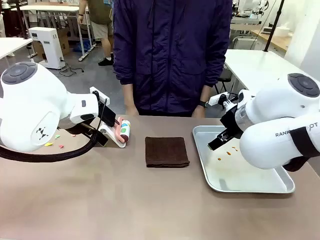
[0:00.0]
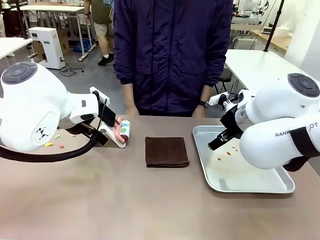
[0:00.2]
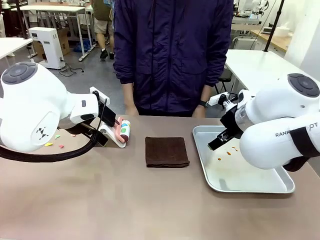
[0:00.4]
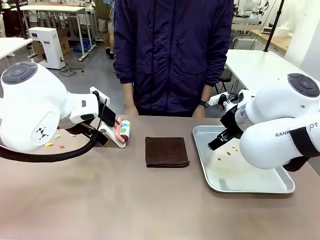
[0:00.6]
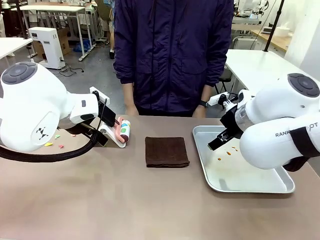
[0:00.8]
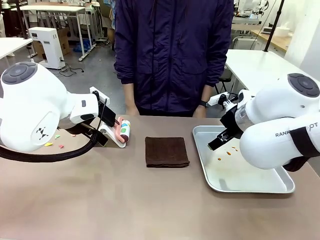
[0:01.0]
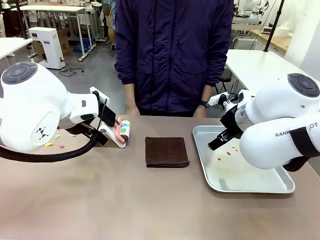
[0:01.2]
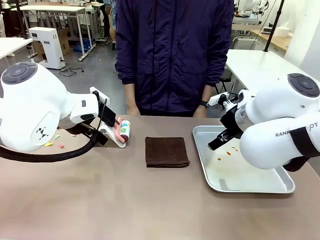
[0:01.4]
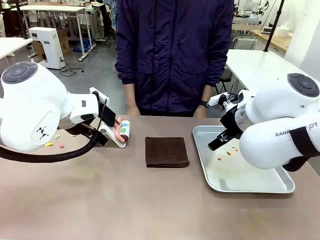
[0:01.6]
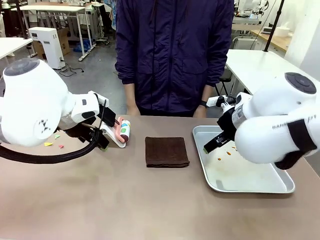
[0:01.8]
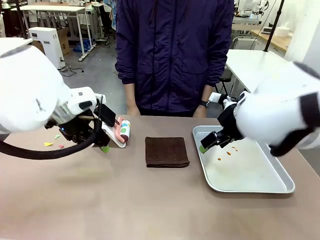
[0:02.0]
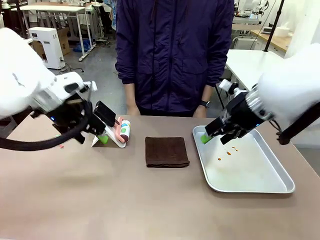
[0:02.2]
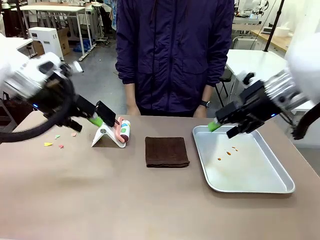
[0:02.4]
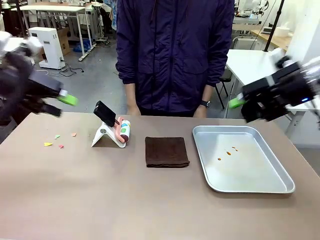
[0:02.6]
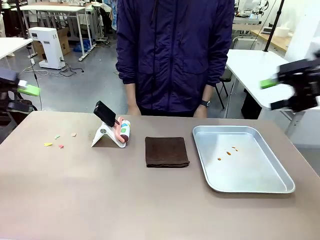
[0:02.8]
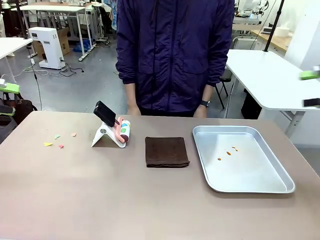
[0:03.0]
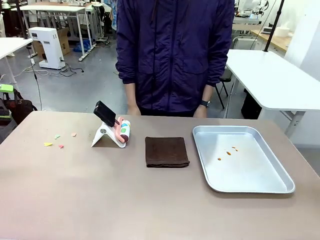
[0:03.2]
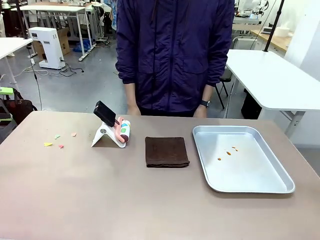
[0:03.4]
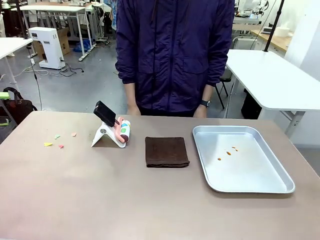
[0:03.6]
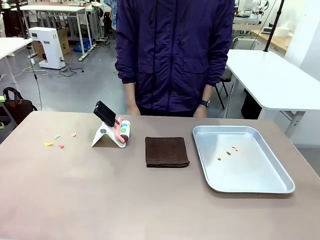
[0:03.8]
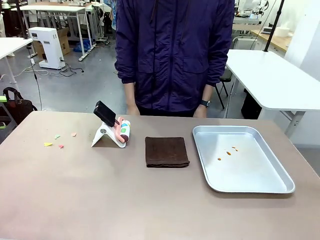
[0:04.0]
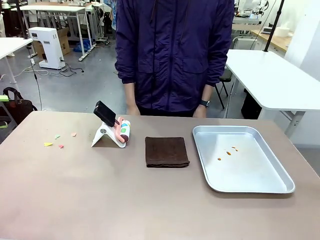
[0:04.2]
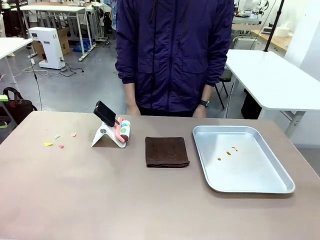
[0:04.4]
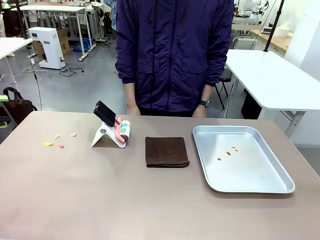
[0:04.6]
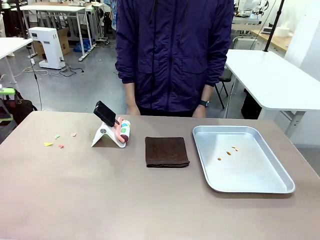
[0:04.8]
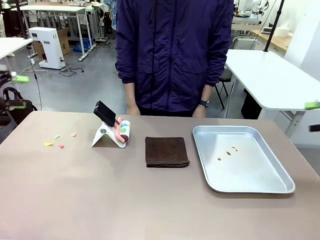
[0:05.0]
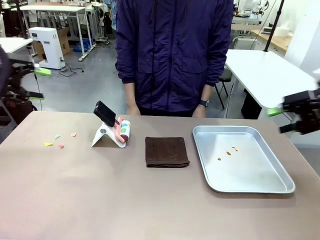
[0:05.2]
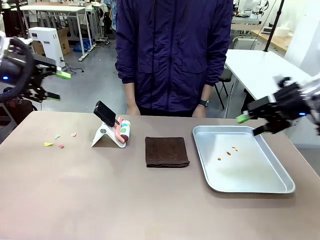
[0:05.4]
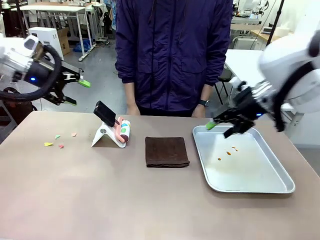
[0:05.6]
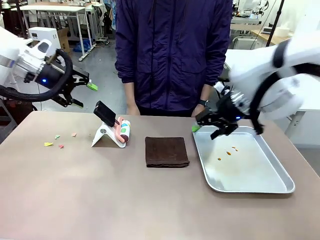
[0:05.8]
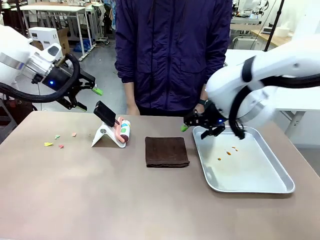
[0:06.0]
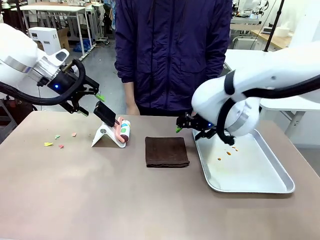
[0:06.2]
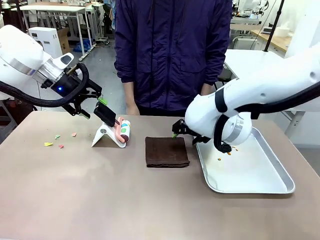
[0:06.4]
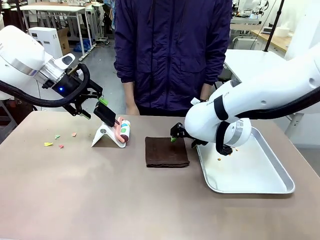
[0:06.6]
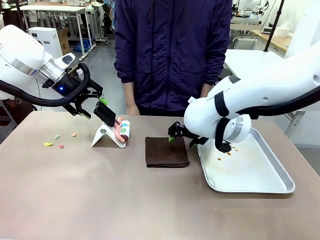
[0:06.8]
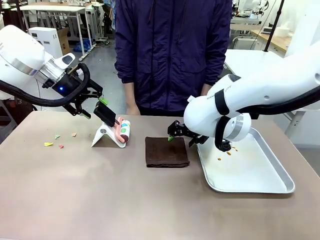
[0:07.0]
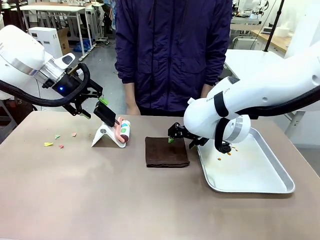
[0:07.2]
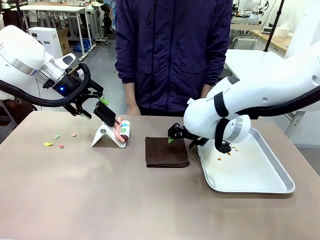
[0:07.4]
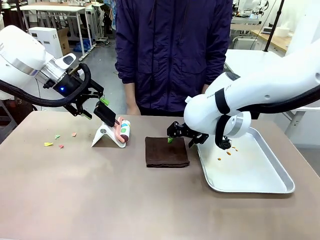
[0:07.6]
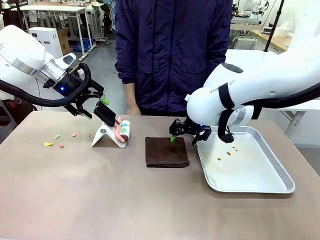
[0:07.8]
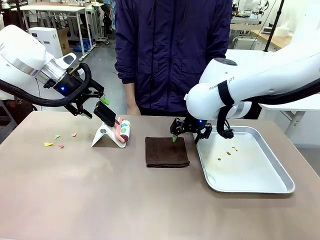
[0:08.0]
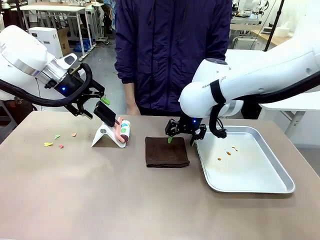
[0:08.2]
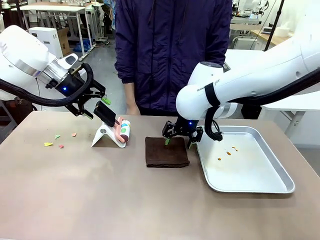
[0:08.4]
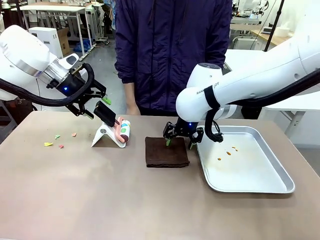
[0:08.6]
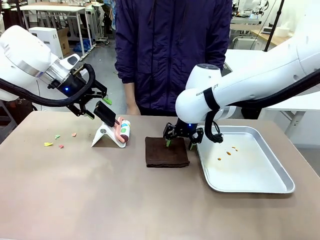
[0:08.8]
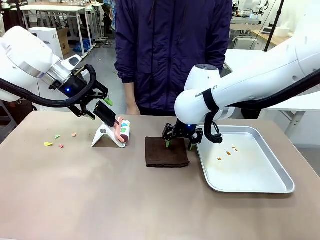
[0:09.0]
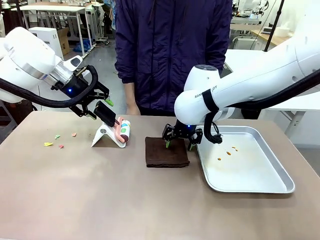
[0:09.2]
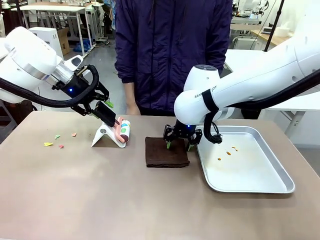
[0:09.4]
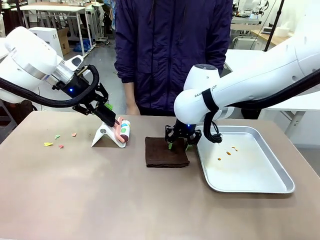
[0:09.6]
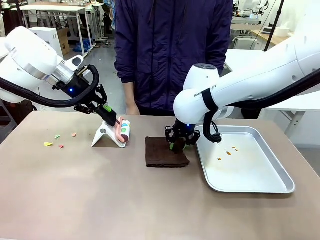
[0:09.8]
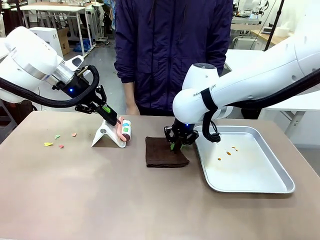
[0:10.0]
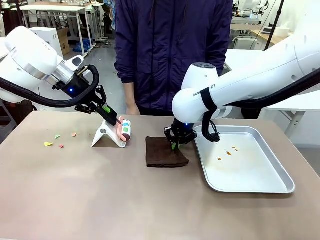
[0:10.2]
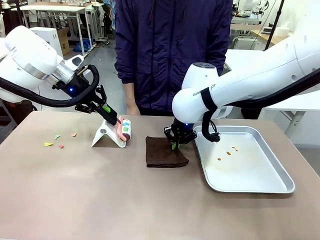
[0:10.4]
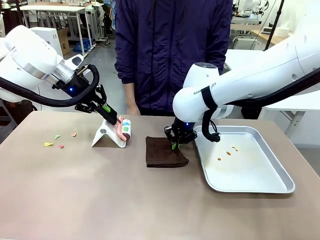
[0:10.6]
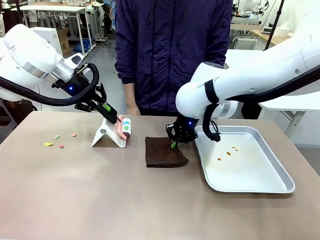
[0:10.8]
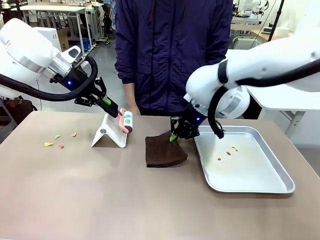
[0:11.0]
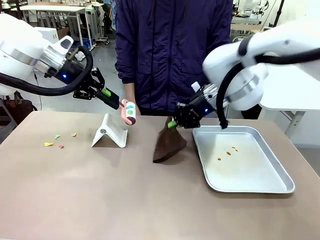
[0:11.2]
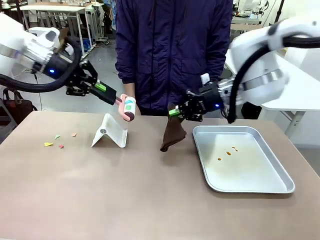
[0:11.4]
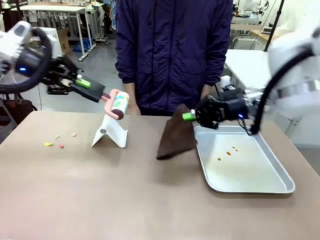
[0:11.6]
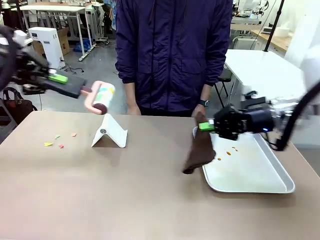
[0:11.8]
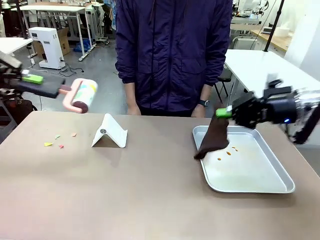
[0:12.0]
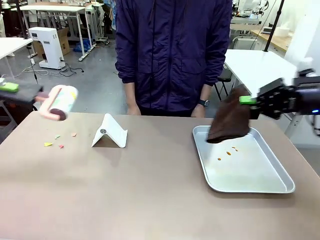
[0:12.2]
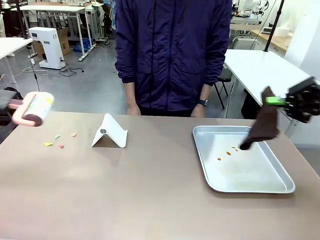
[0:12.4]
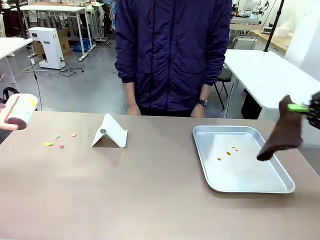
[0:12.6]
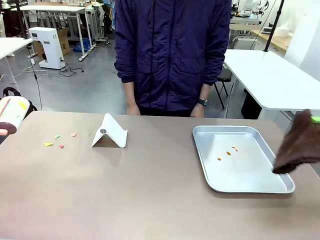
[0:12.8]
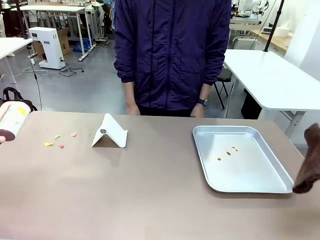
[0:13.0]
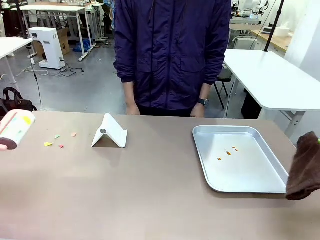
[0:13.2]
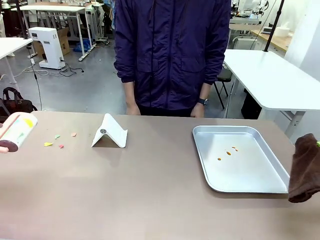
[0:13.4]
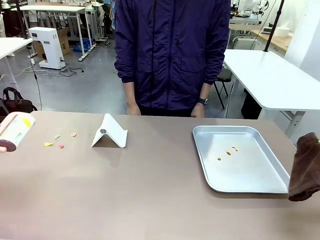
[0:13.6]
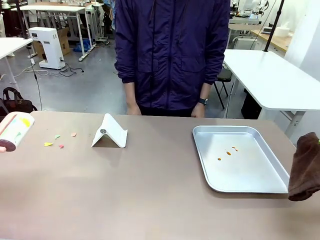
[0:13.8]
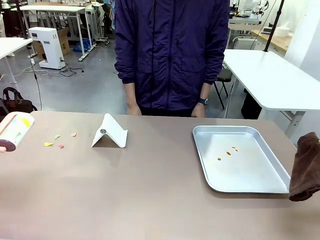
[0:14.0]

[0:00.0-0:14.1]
Task: Clean the surface of the table.
Robot: Hold the Lint Roller with your left hand and the towel with your right hand.

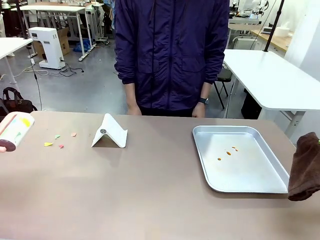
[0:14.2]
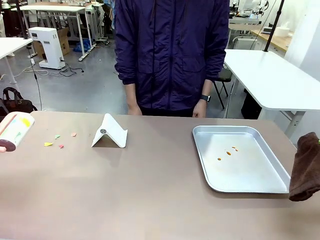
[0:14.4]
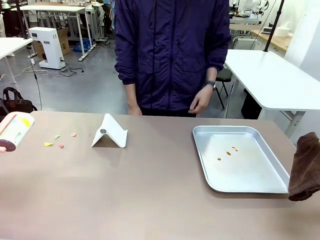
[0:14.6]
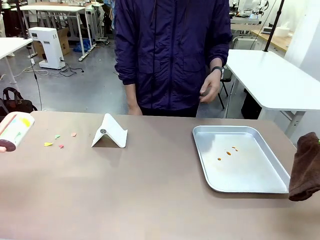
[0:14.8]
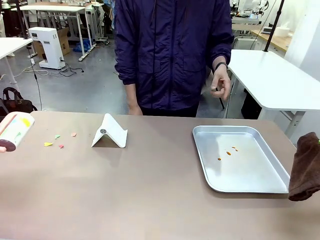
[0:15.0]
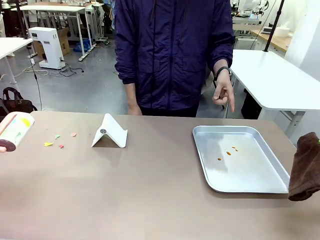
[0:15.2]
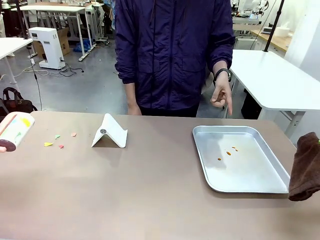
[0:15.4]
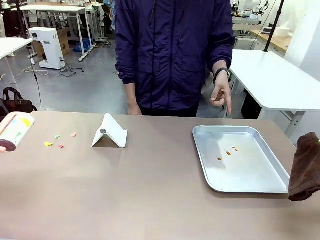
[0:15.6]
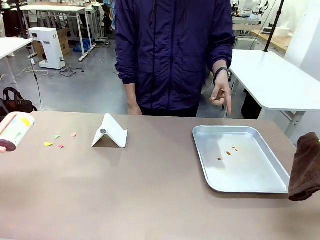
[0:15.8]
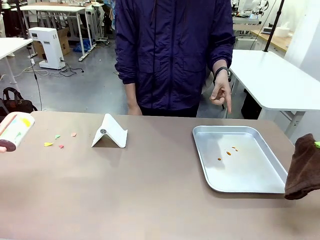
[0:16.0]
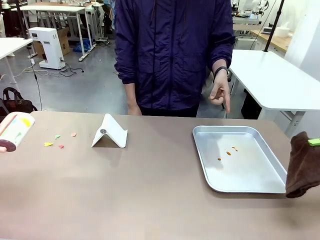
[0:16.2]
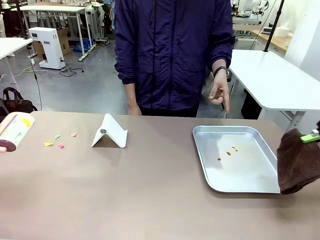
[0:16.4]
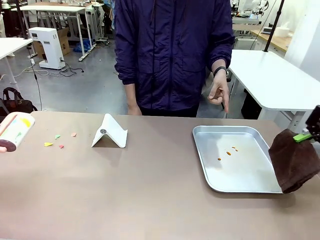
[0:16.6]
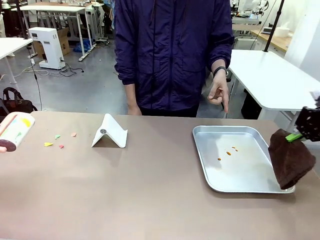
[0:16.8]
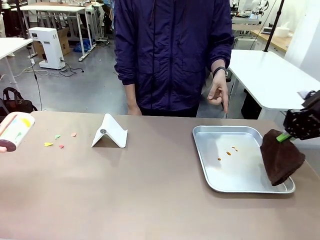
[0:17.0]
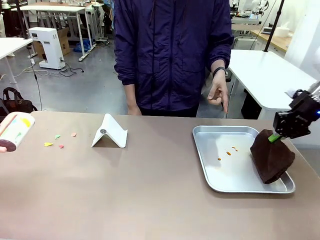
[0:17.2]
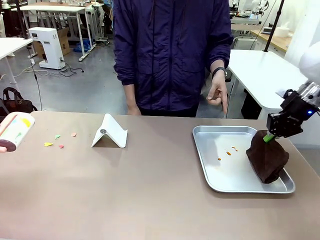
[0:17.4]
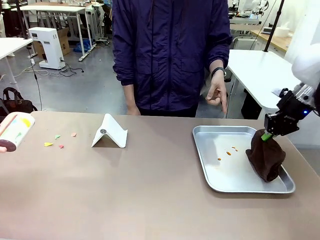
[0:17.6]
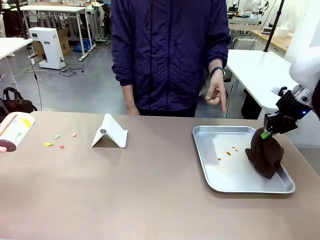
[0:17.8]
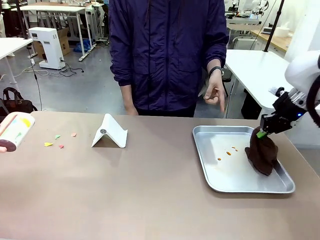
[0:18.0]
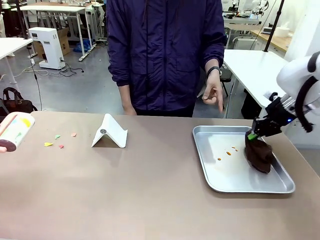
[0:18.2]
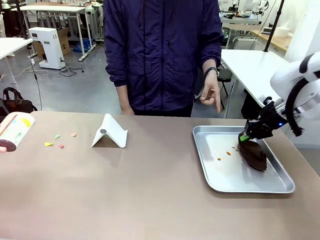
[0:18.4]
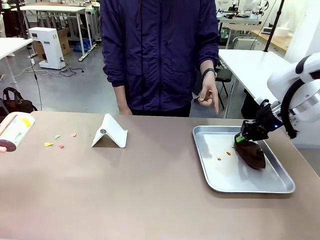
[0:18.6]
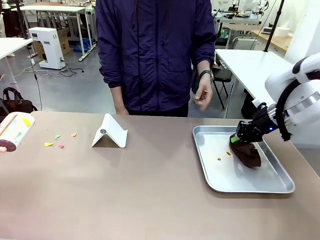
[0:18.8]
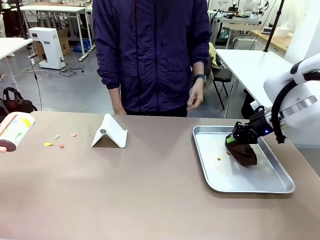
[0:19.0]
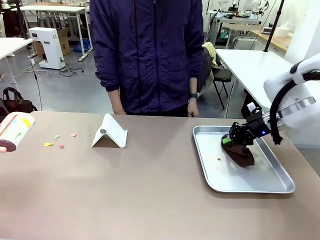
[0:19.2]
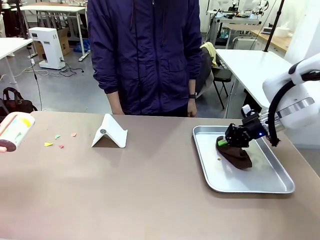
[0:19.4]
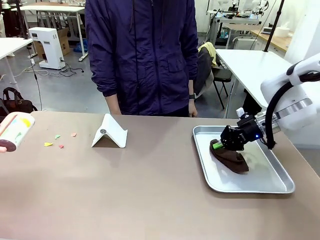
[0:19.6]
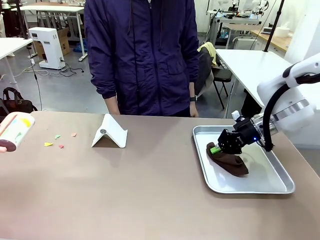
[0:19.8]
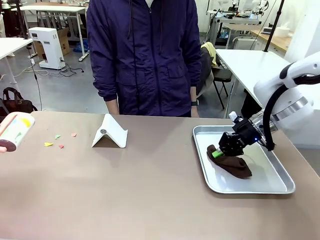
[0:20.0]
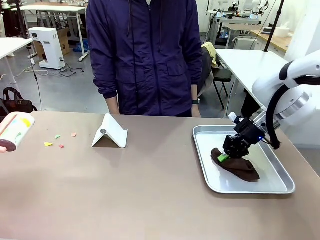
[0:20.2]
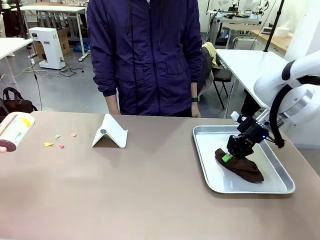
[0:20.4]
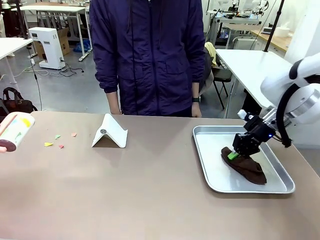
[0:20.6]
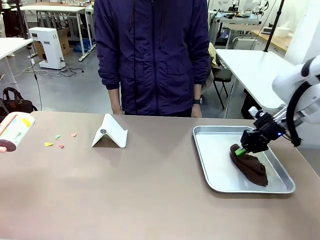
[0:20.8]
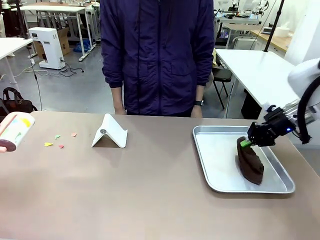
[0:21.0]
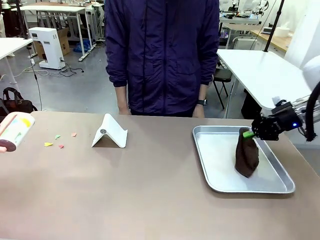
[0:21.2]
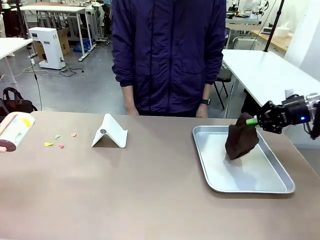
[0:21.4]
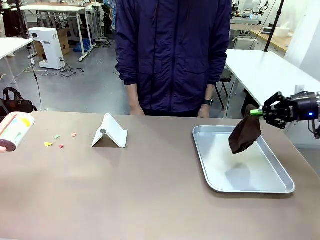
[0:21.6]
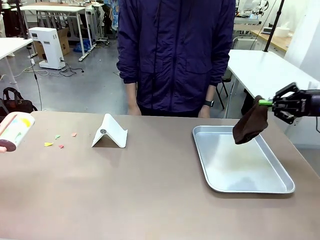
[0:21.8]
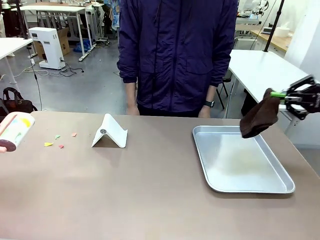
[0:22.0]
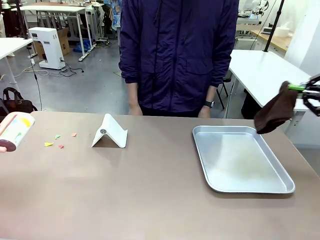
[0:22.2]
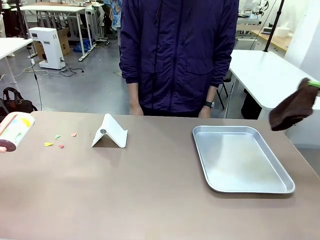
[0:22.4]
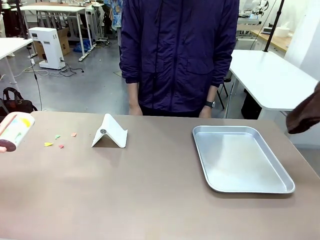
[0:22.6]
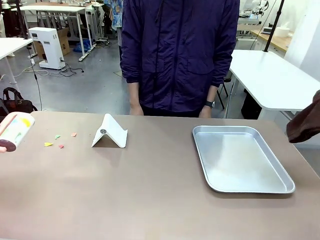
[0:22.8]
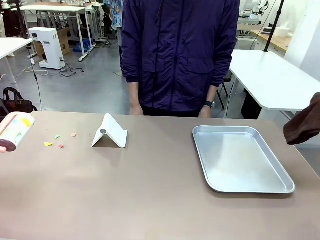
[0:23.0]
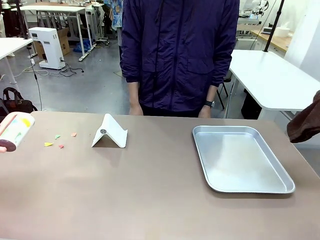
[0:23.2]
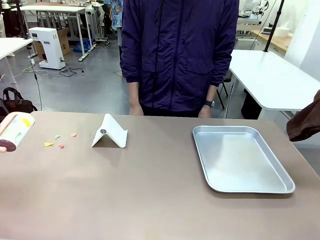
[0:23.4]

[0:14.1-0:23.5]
Robot: If a person points to the right, clean the right side of the table with your right hand, and if they point to the left, clean the left side with your left hand.
